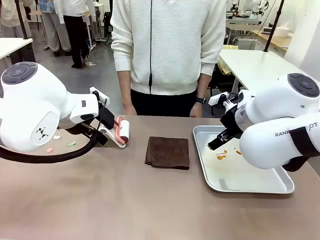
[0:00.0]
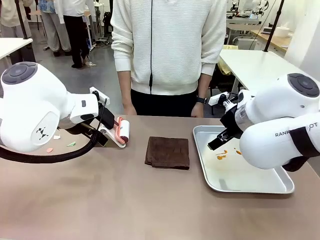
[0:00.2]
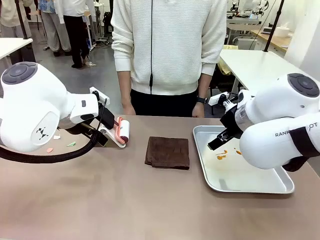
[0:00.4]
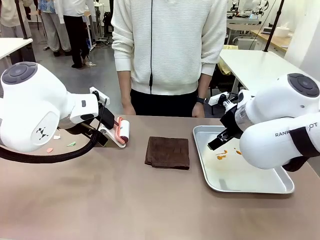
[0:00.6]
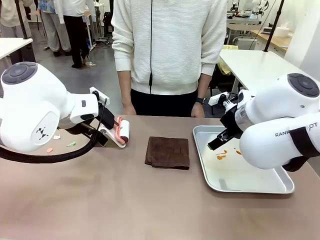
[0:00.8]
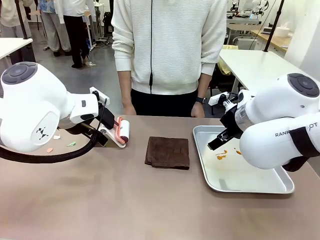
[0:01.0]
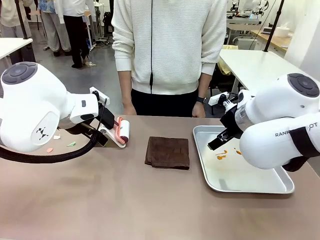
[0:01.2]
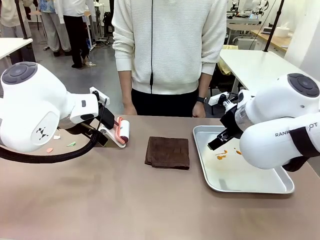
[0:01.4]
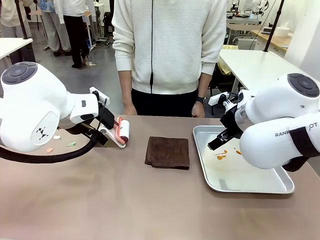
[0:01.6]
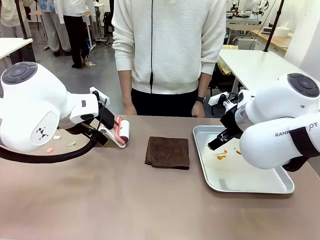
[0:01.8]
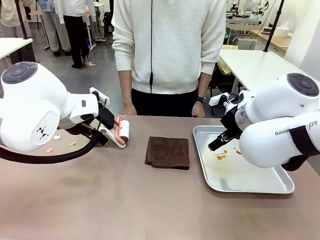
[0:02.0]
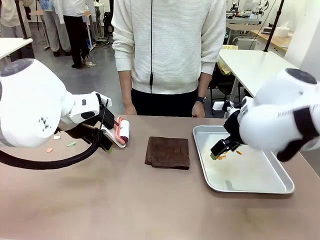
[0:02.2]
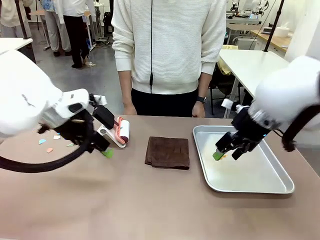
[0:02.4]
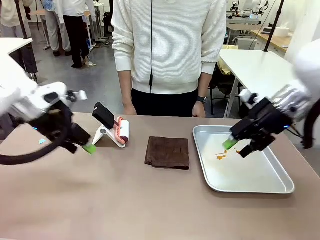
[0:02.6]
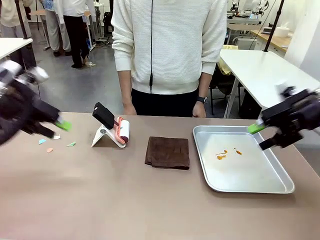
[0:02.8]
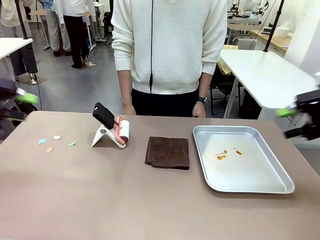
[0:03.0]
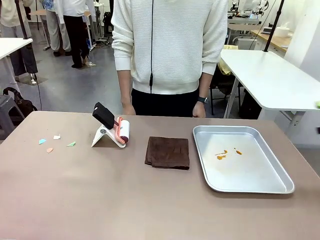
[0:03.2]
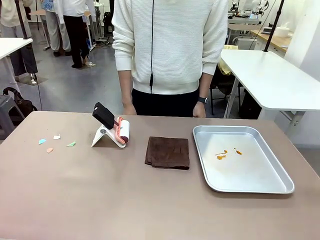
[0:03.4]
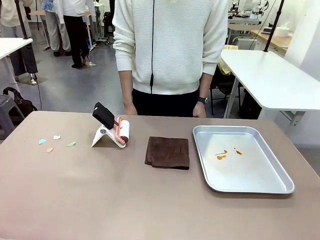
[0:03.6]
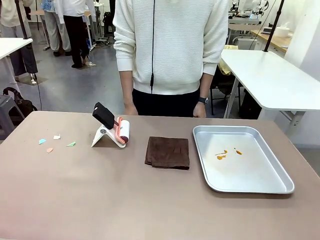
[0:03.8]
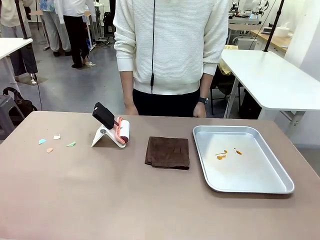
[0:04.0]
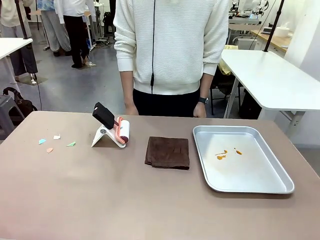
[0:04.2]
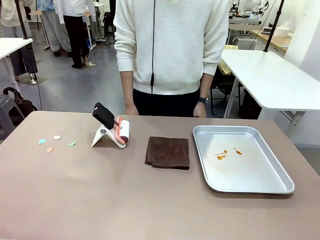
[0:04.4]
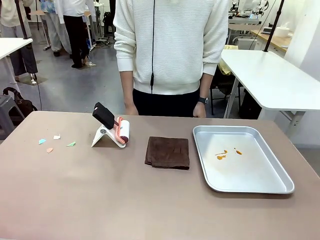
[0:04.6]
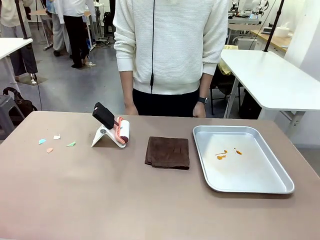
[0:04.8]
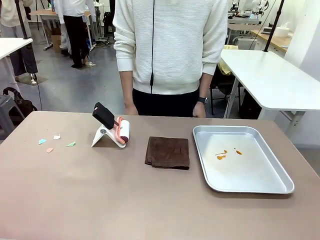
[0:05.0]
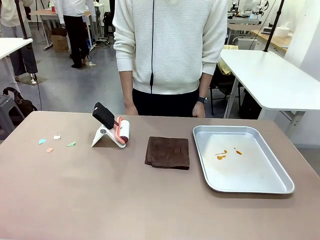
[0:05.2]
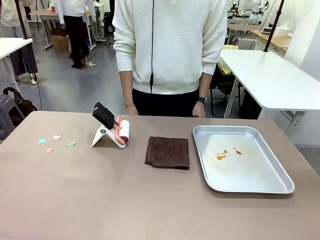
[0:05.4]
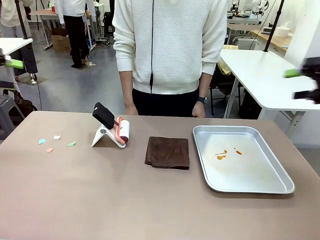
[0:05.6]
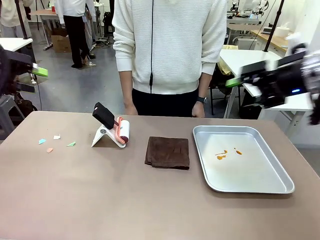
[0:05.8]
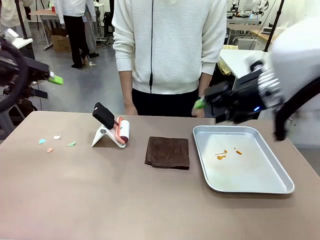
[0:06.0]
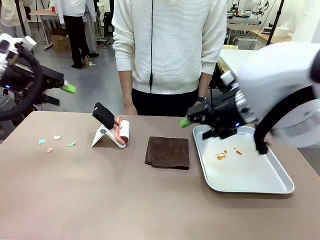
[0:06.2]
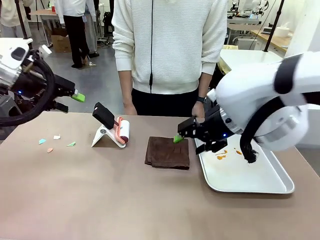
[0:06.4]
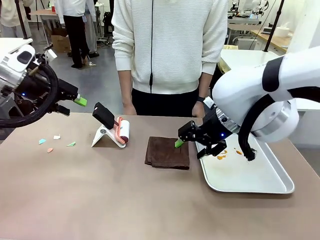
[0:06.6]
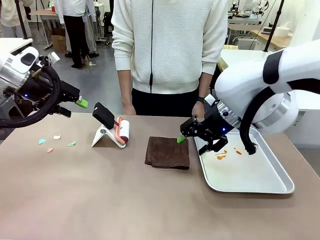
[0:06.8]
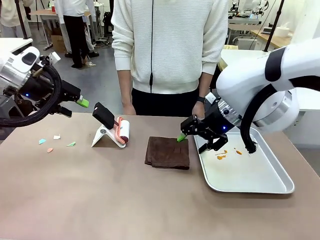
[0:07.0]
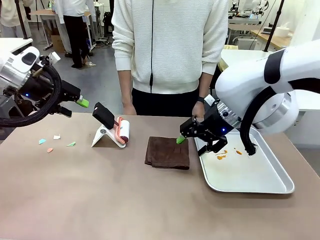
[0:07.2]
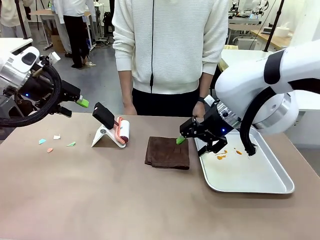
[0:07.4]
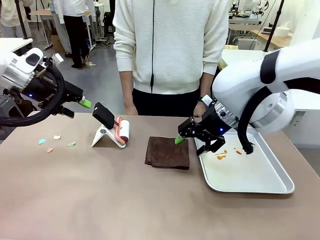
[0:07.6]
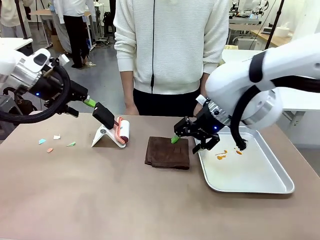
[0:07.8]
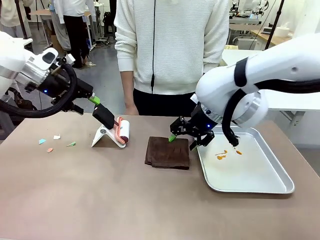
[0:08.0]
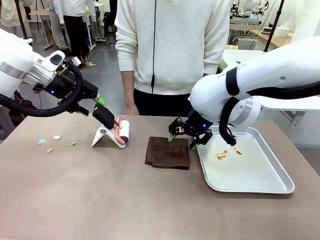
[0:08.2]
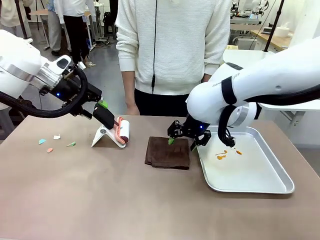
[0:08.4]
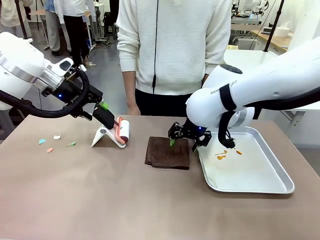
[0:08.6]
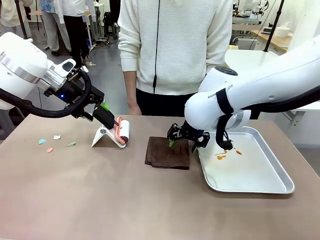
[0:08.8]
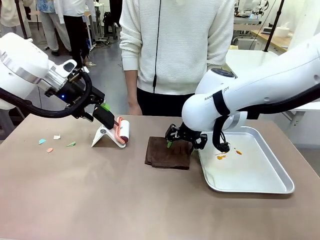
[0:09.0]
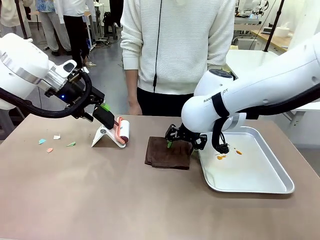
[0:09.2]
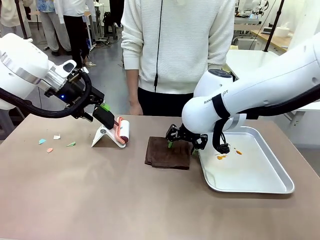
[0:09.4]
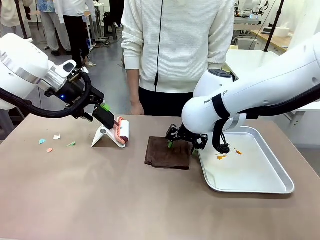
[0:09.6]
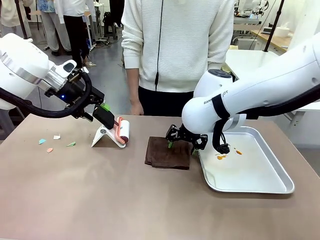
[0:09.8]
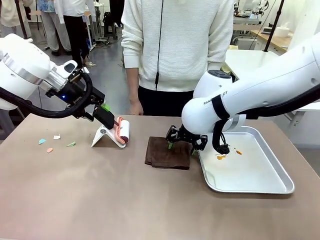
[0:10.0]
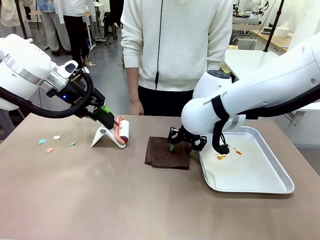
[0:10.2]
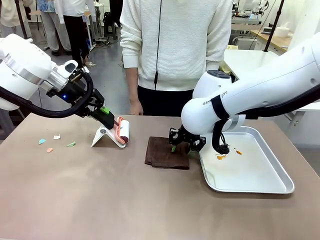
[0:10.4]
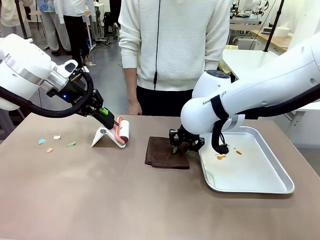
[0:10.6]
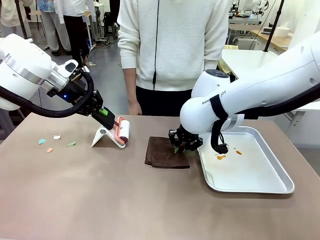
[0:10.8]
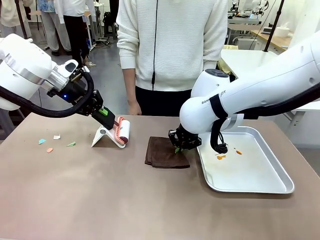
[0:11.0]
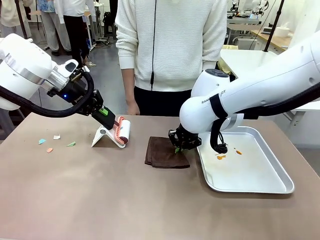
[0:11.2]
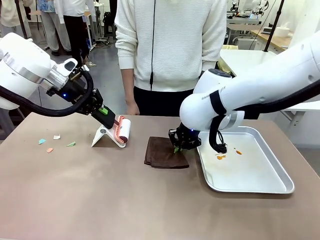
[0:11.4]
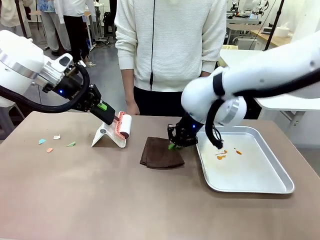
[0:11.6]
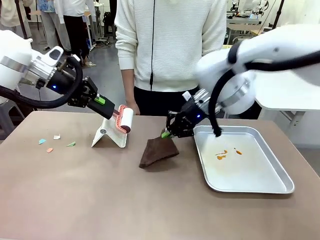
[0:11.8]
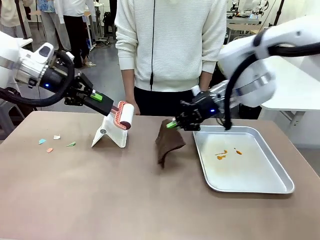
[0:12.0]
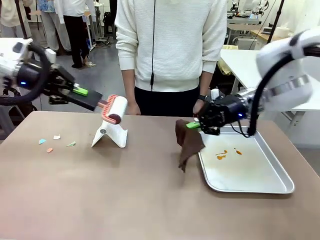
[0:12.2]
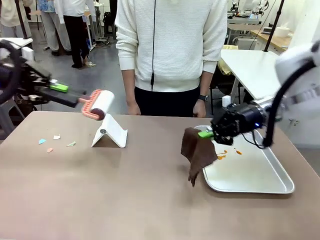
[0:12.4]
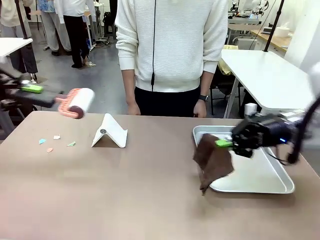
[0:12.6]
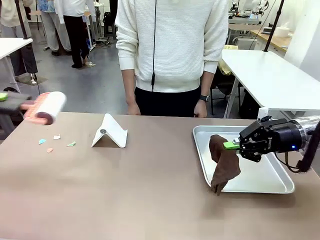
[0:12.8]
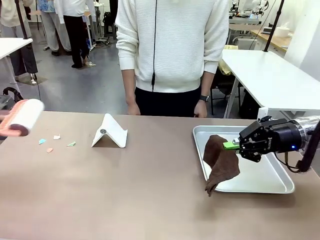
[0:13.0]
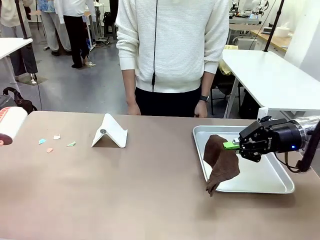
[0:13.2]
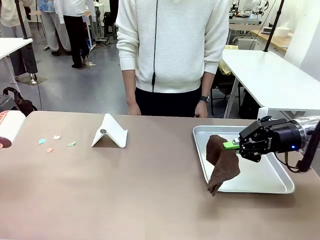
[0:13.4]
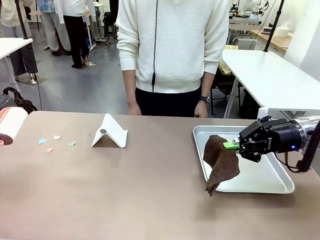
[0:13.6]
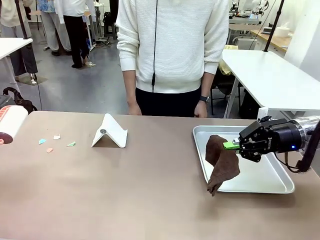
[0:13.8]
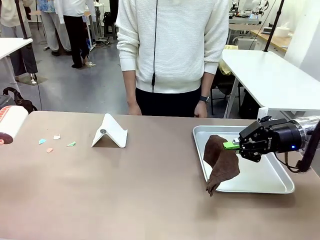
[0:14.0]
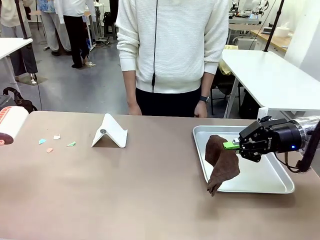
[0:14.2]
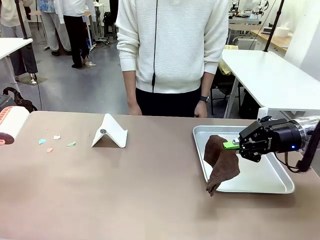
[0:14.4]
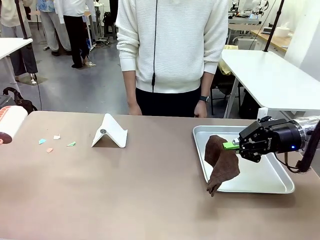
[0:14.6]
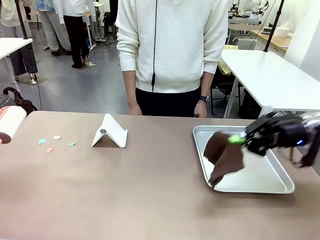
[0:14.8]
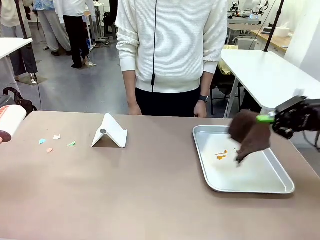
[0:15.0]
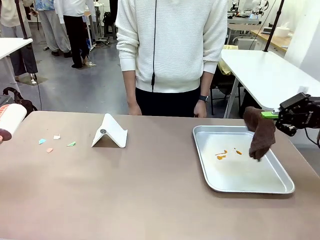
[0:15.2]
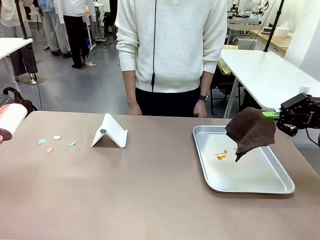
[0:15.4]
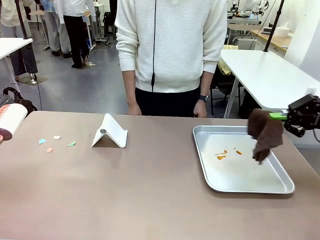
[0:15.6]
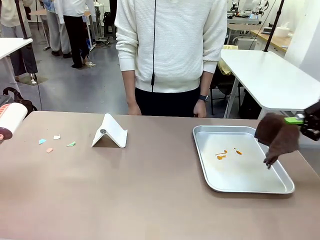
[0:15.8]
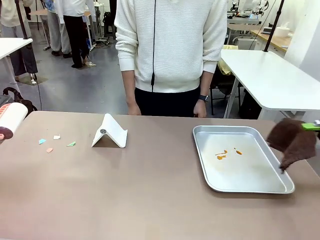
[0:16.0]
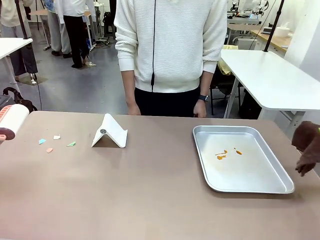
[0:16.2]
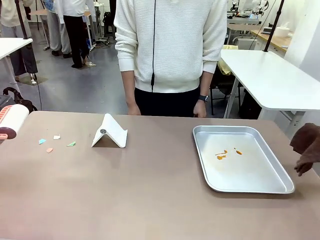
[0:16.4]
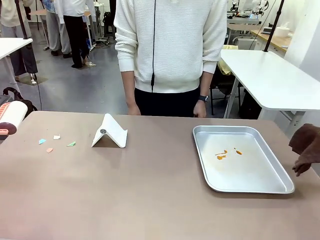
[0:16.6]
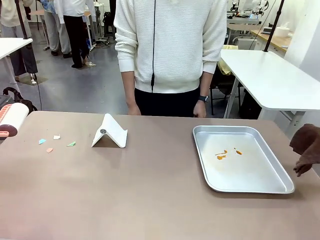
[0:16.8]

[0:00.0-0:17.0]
Task: Clean the surface of the table.
Robot: Hold the Lint Roller with your left hand and the towel with your right hand.
